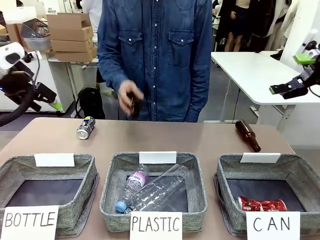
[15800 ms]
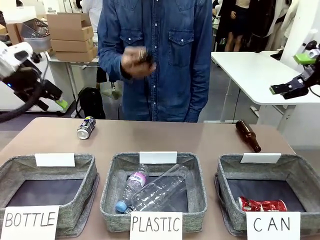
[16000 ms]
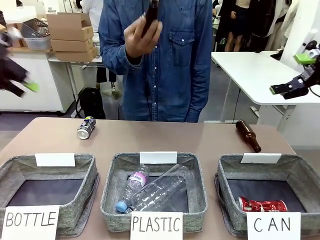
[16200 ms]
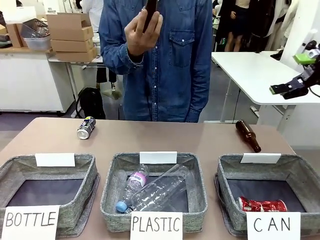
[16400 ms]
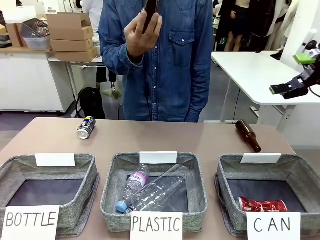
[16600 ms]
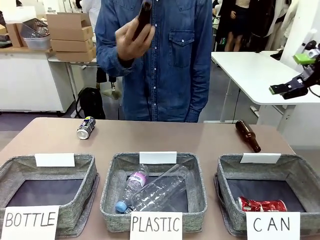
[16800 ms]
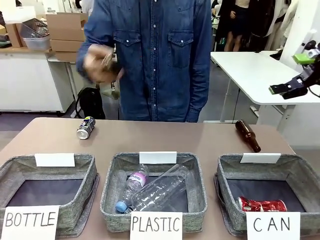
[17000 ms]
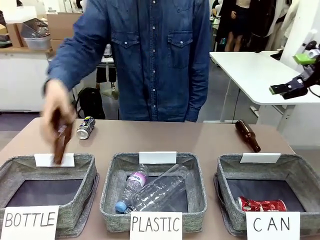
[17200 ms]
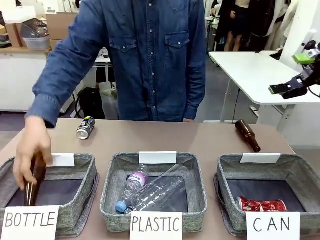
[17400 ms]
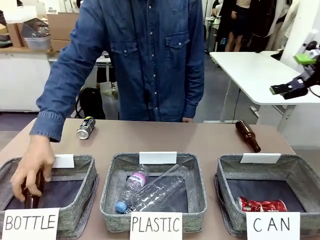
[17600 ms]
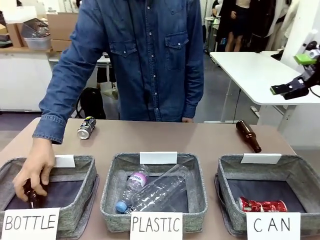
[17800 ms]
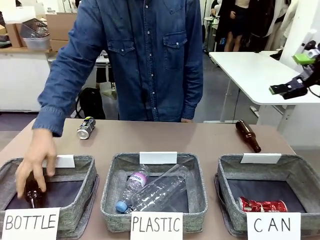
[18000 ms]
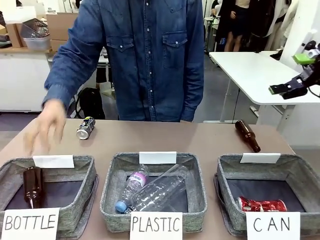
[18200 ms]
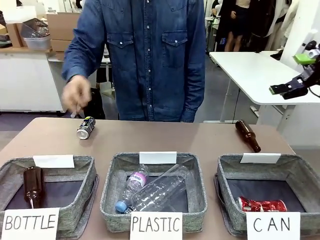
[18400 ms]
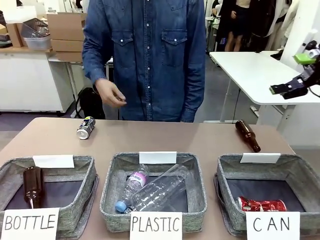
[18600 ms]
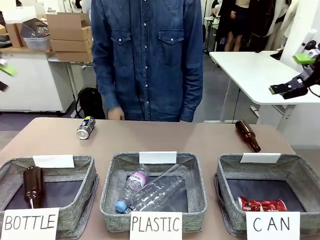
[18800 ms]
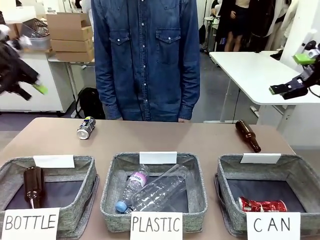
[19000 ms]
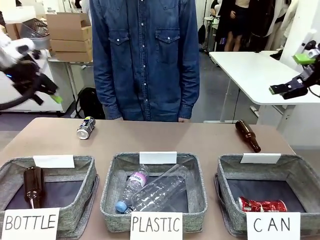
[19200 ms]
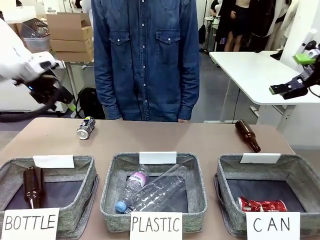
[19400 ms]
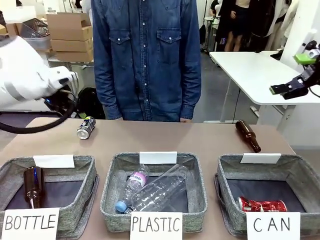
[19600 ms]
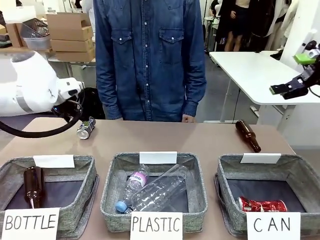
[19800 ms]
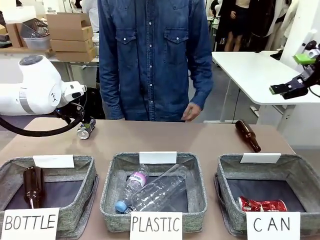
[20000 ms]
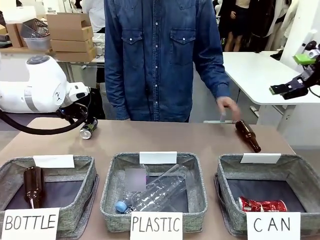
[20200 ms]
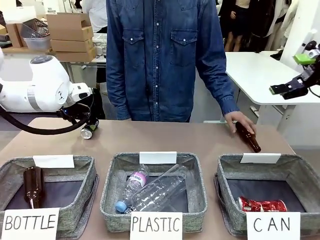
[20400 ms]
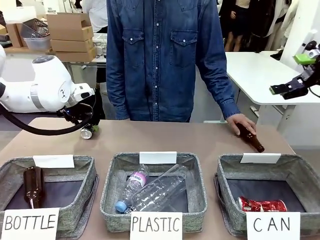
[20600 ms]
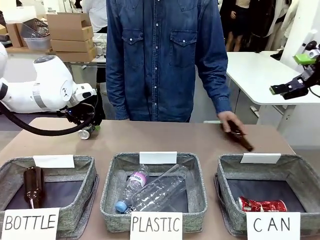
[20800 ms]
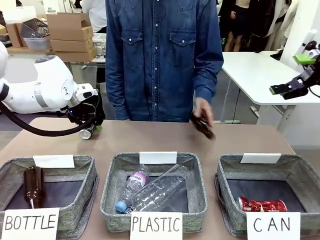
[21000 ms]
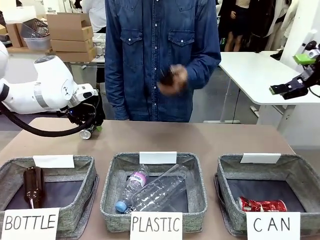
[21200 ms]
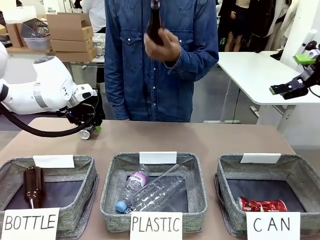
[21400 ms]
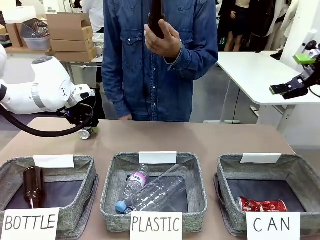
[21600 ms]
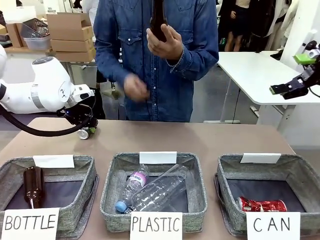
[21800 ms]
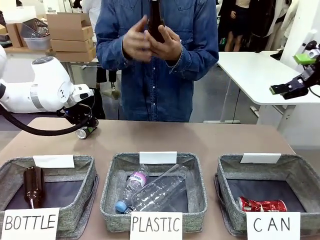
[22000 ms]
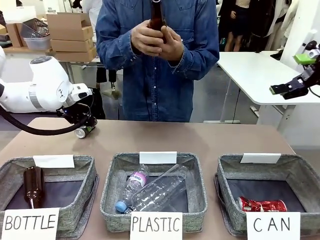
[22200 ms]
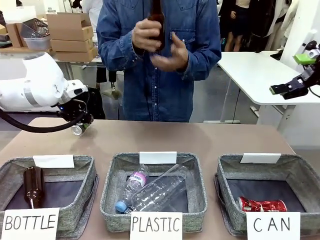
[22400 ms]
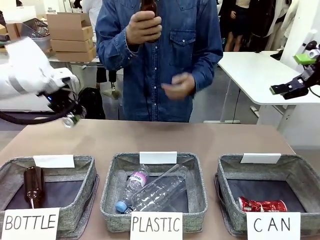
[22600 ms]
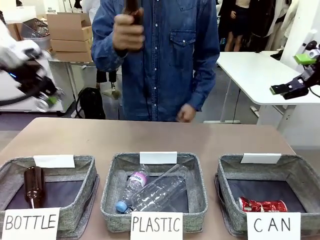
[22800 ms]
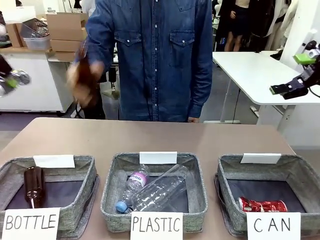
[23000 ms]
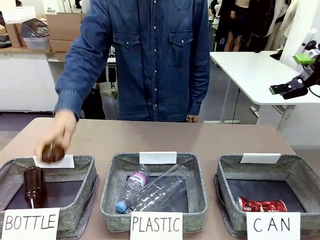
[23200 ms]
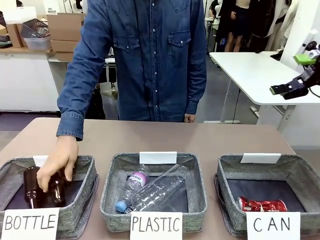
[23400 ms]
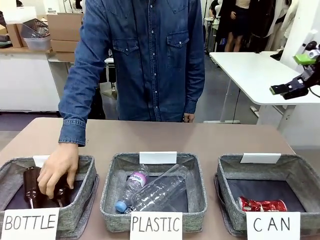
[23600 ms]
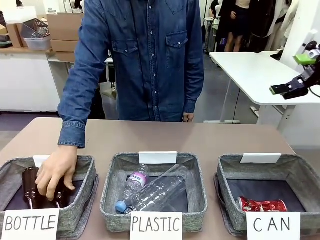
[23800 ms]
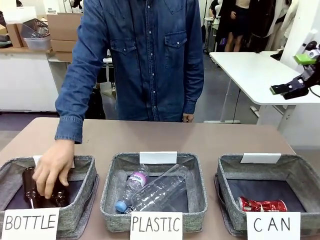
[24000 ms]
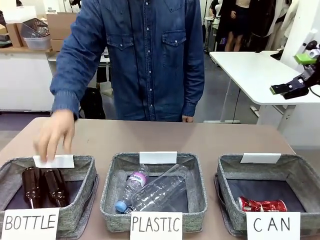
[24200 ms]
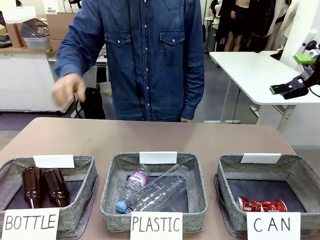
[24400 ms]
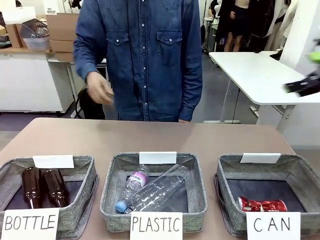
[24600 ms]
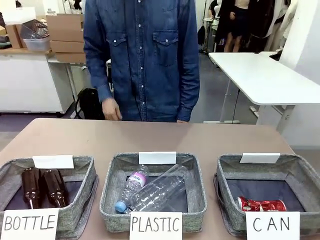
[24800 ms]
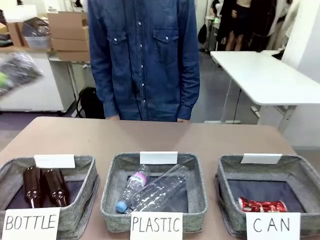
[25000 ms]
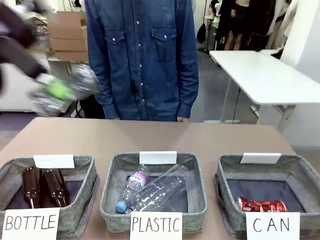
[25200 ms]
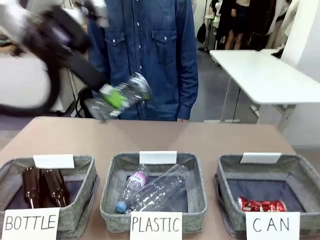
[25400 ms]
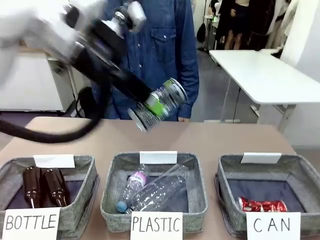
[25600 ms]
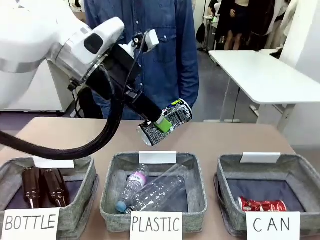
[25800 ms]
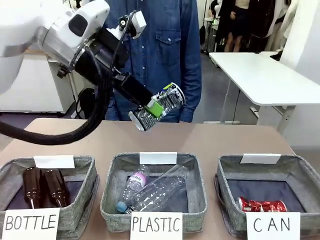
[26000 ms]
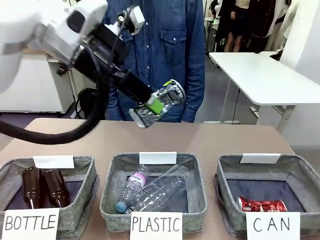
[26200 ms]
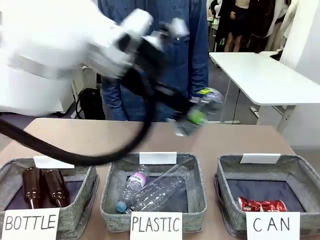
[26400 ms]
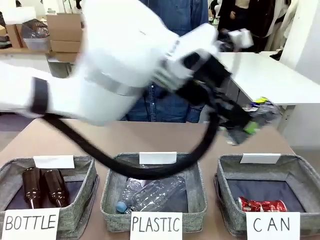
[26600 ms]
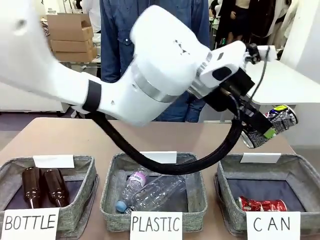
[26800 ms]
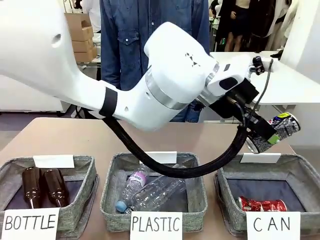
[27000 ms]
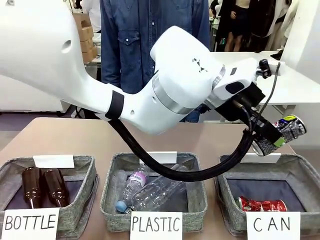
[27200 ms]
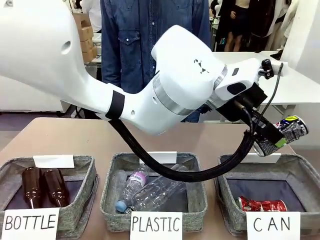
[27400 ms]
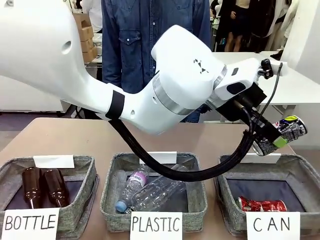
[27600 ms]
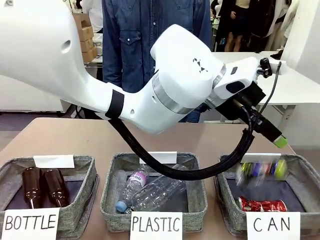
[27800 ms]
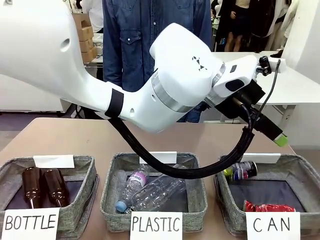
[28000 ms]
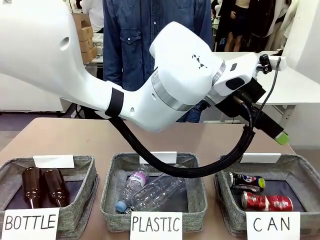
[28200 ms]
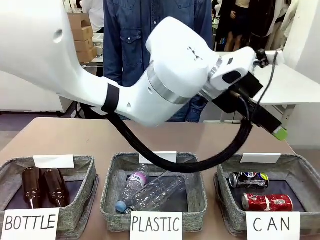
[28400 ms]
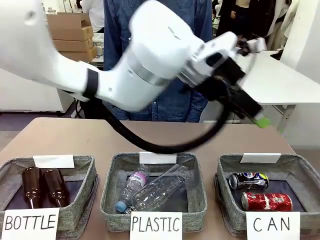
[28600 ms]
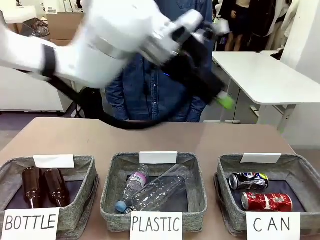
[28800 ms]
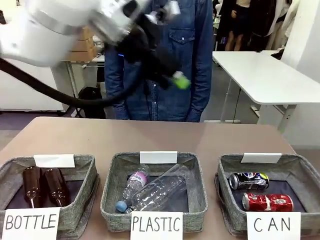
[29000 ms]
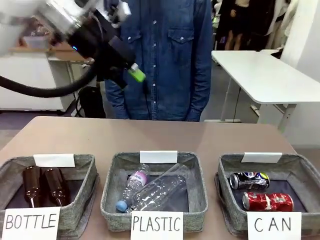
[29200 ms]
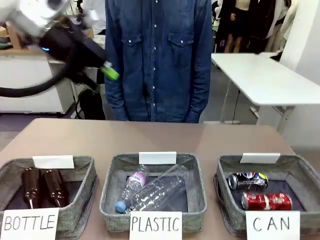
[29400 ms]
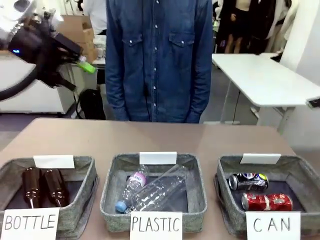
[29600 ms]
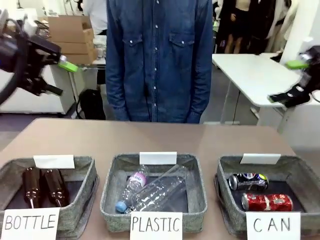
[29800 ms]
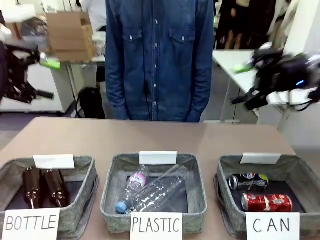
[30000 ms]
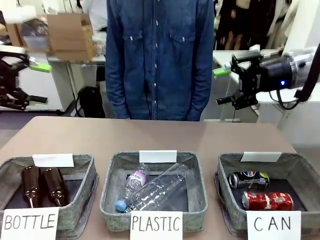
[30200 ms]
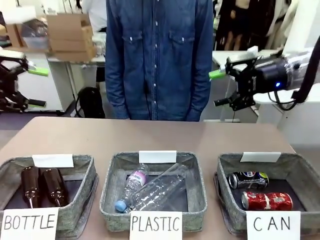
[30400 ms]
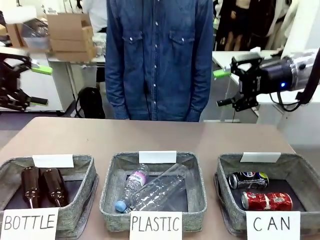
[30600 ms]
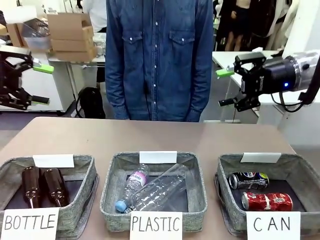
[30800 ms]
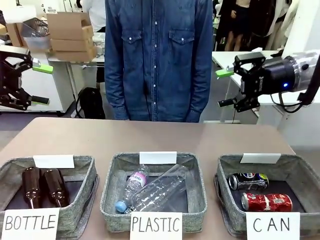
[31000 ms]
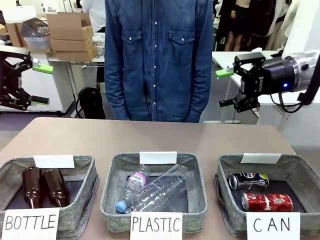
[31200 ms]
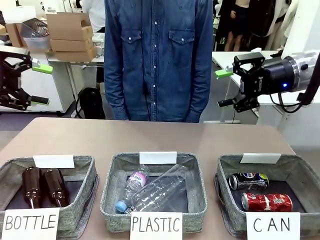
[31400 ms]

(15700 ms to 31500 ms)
Task: Sort the can waste into the basket.
Robot: Pick up the can waste from the table and place it in the right Fabric basket.
Person: The human picks up one piece of trash that is not a can and places the trash into the appropriate organizing basket.
